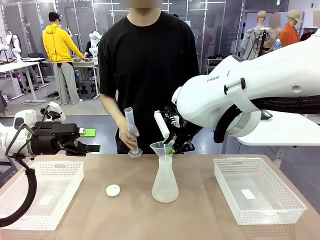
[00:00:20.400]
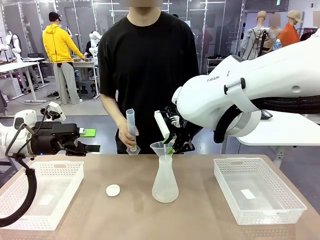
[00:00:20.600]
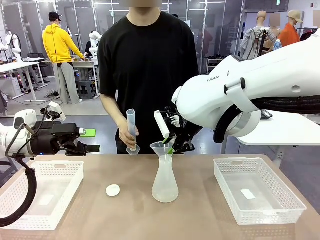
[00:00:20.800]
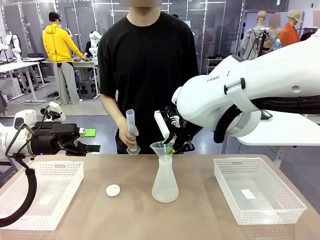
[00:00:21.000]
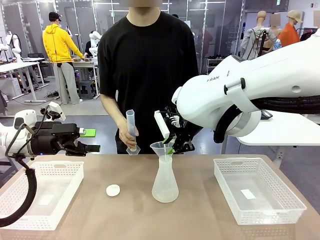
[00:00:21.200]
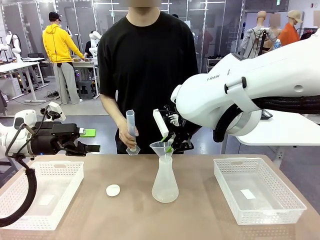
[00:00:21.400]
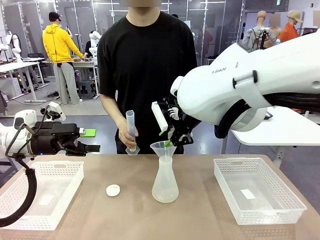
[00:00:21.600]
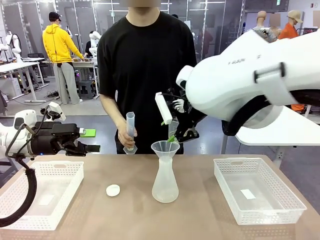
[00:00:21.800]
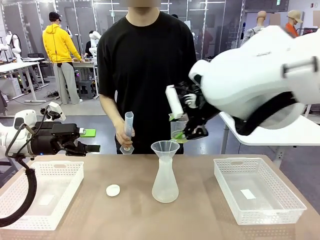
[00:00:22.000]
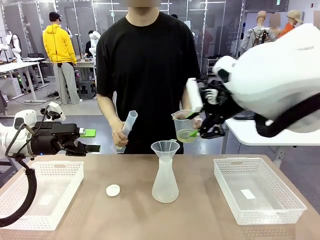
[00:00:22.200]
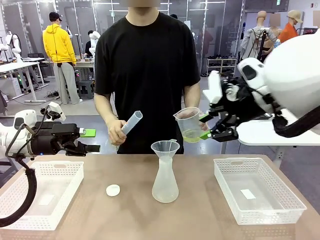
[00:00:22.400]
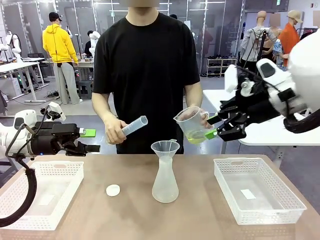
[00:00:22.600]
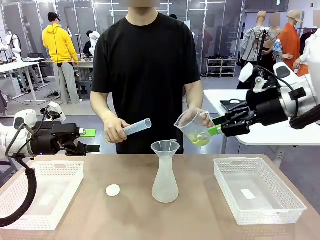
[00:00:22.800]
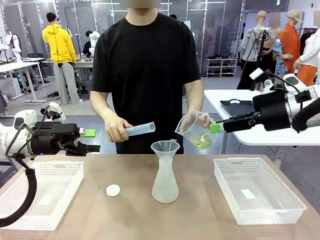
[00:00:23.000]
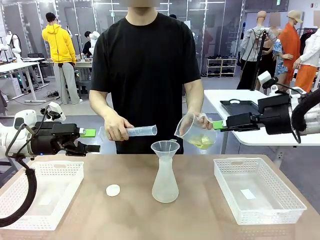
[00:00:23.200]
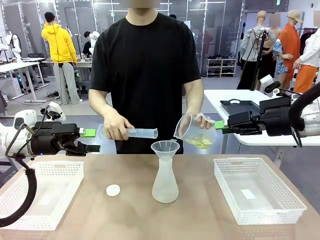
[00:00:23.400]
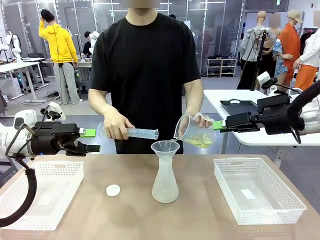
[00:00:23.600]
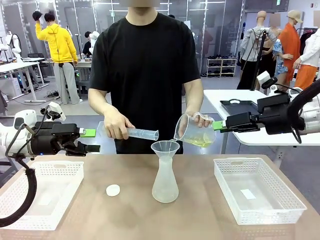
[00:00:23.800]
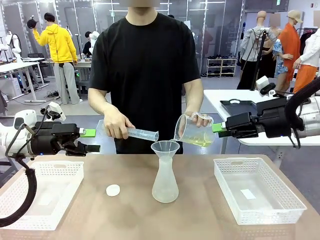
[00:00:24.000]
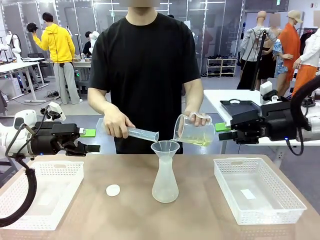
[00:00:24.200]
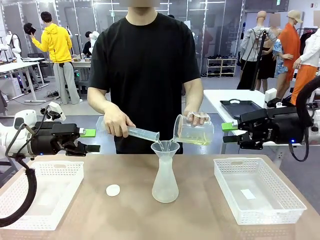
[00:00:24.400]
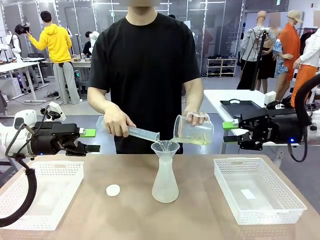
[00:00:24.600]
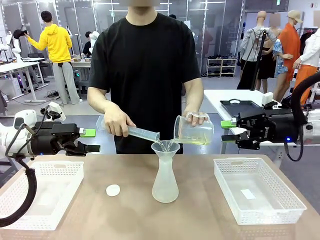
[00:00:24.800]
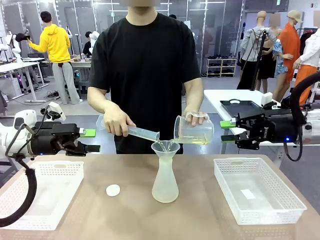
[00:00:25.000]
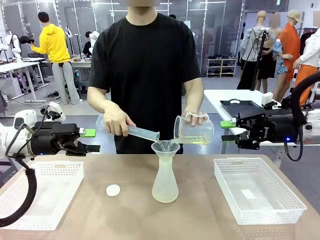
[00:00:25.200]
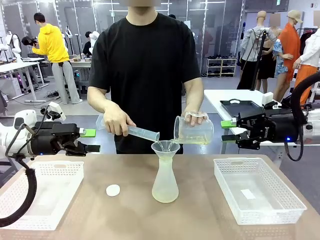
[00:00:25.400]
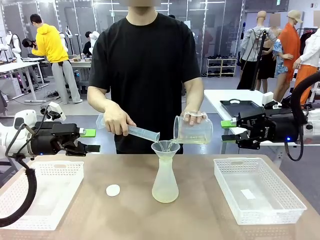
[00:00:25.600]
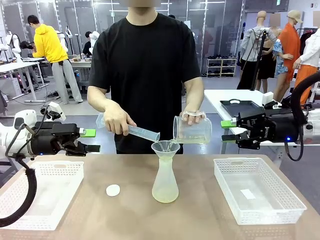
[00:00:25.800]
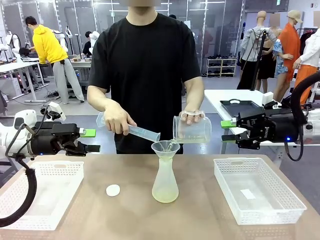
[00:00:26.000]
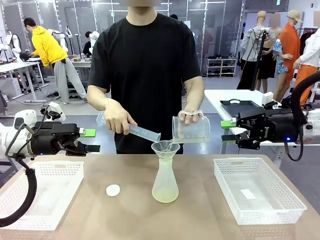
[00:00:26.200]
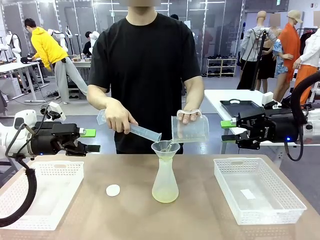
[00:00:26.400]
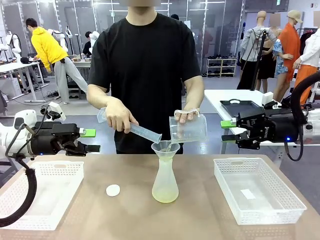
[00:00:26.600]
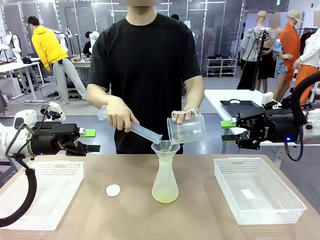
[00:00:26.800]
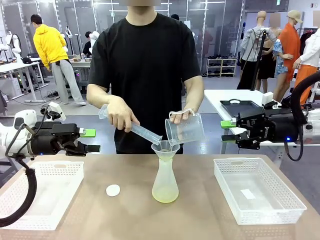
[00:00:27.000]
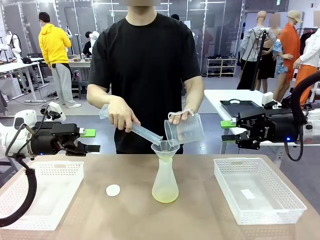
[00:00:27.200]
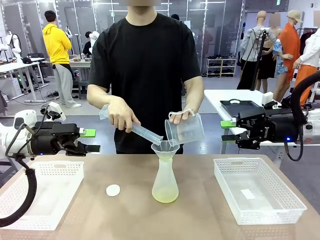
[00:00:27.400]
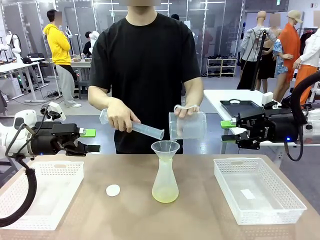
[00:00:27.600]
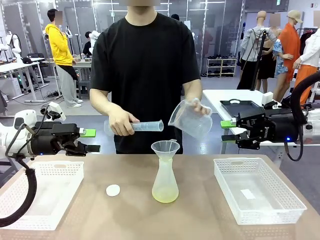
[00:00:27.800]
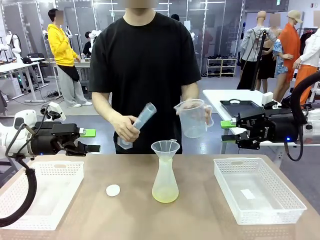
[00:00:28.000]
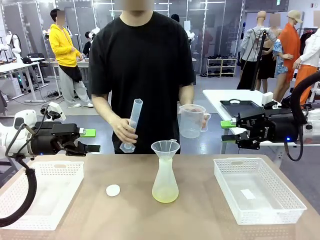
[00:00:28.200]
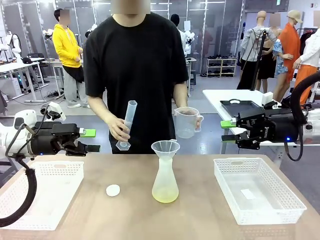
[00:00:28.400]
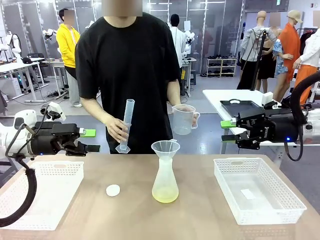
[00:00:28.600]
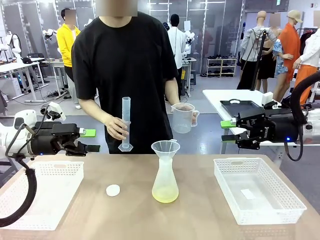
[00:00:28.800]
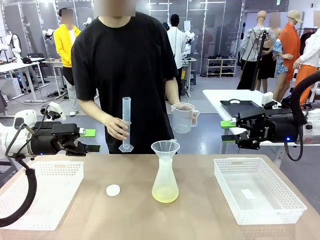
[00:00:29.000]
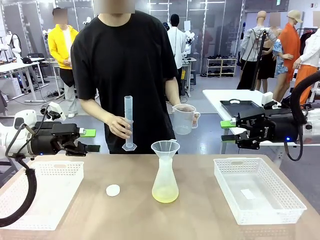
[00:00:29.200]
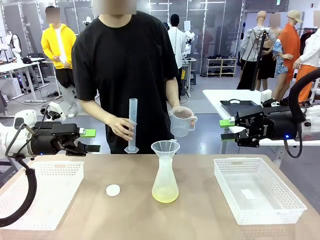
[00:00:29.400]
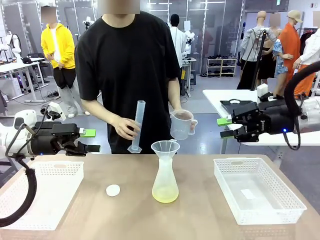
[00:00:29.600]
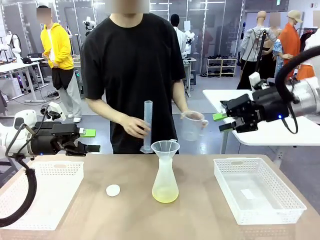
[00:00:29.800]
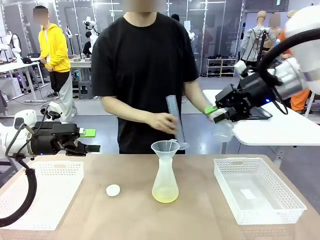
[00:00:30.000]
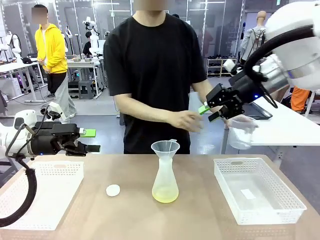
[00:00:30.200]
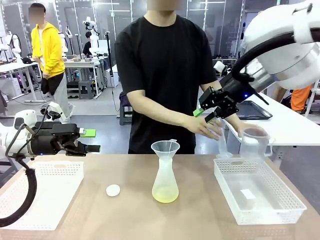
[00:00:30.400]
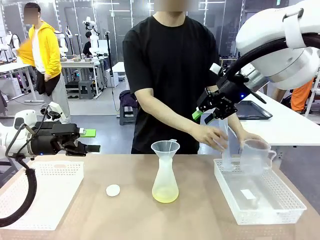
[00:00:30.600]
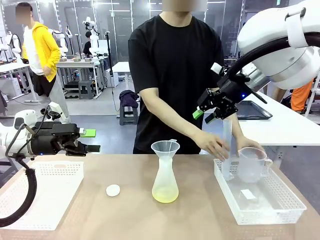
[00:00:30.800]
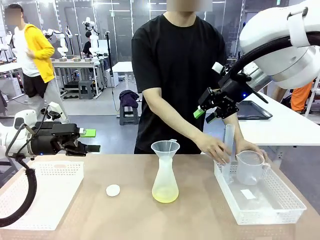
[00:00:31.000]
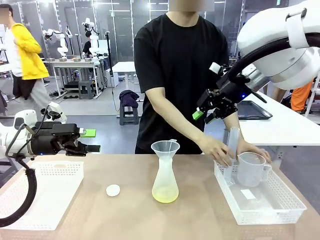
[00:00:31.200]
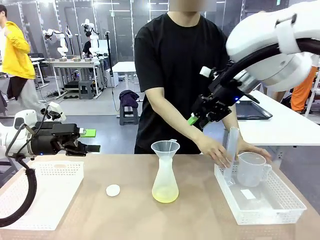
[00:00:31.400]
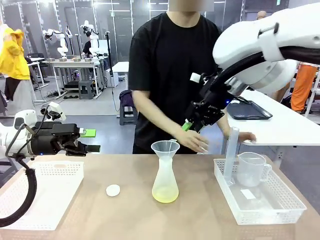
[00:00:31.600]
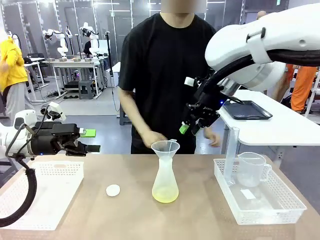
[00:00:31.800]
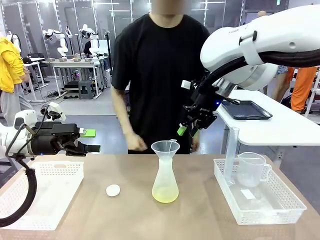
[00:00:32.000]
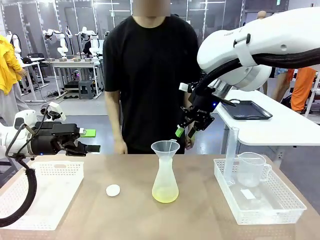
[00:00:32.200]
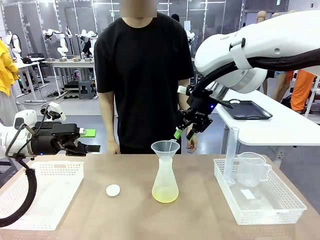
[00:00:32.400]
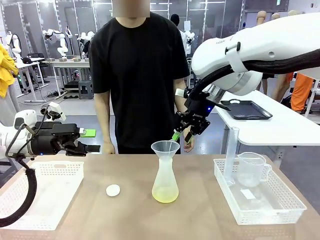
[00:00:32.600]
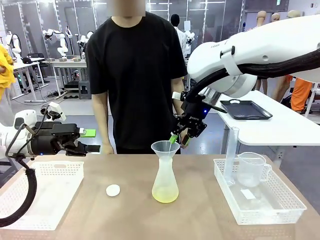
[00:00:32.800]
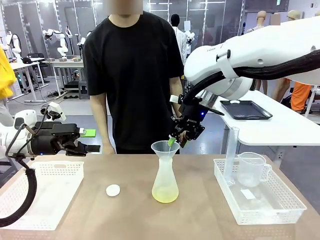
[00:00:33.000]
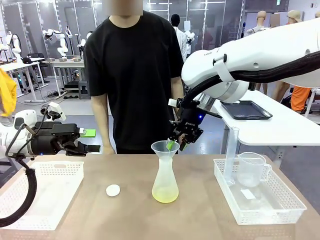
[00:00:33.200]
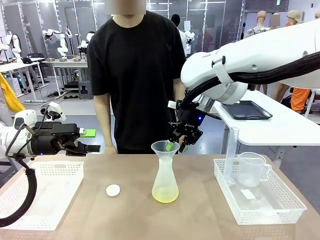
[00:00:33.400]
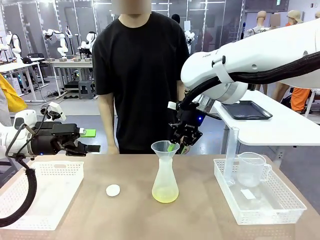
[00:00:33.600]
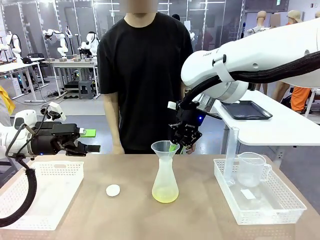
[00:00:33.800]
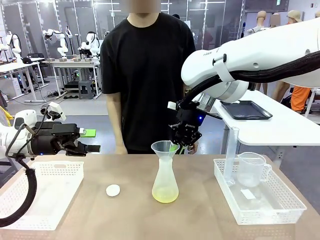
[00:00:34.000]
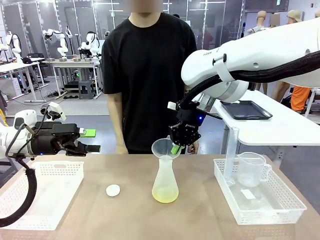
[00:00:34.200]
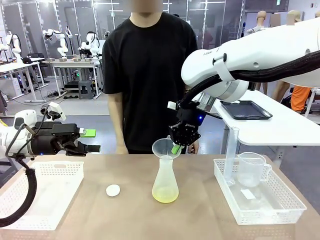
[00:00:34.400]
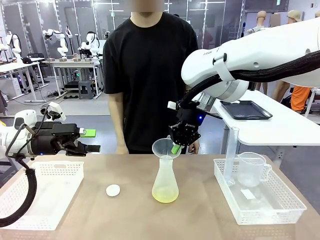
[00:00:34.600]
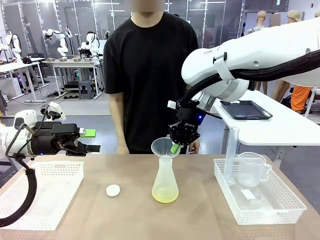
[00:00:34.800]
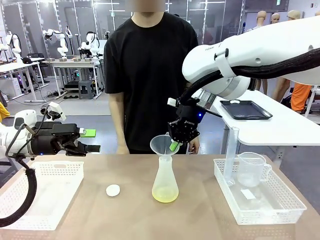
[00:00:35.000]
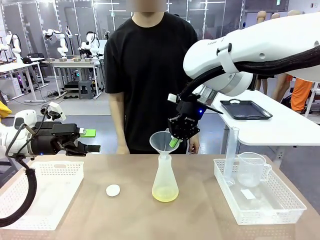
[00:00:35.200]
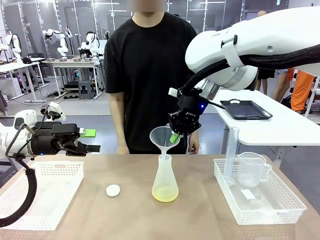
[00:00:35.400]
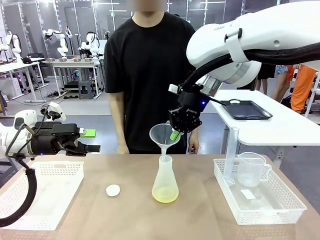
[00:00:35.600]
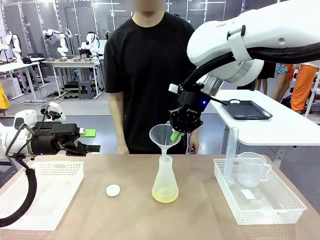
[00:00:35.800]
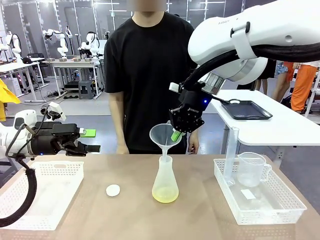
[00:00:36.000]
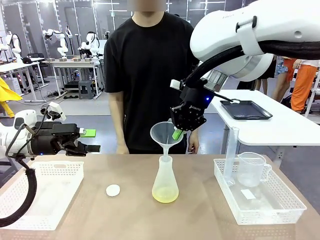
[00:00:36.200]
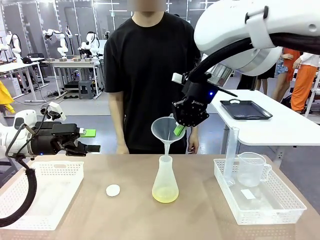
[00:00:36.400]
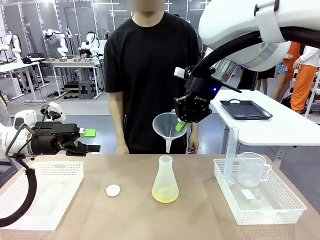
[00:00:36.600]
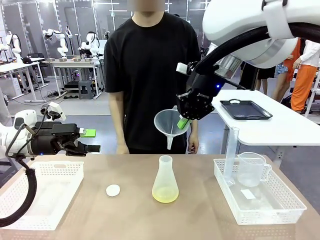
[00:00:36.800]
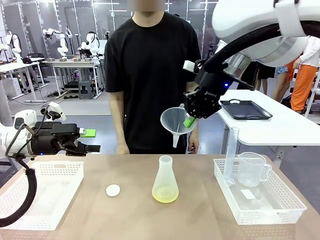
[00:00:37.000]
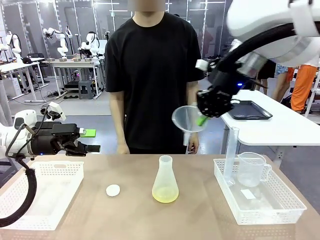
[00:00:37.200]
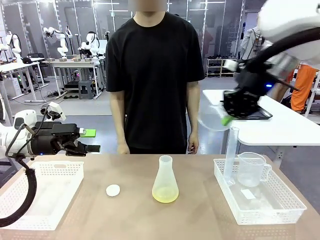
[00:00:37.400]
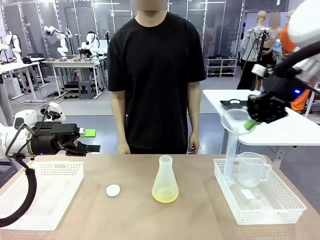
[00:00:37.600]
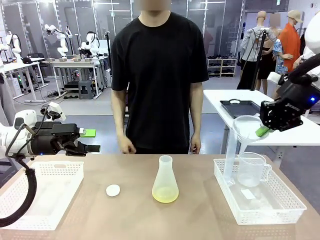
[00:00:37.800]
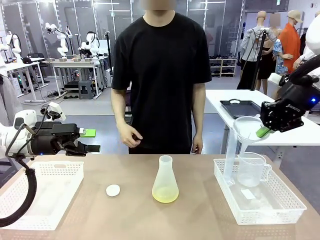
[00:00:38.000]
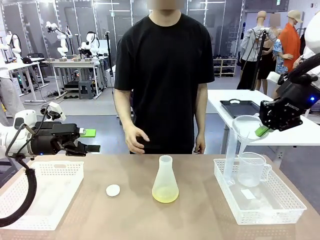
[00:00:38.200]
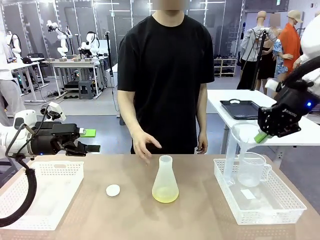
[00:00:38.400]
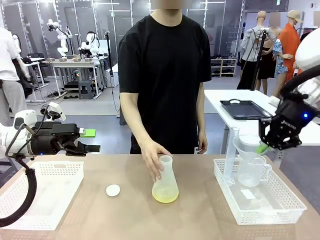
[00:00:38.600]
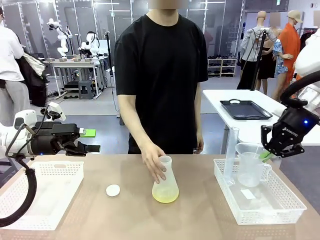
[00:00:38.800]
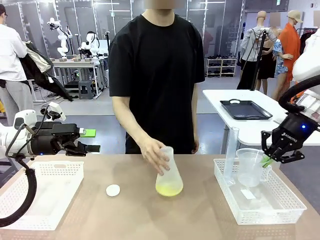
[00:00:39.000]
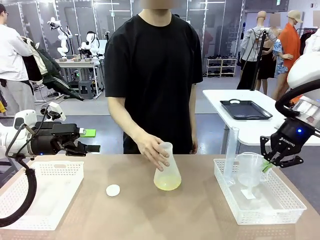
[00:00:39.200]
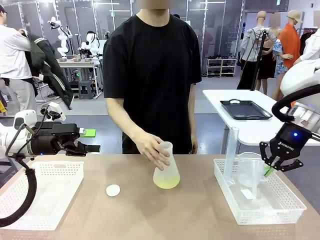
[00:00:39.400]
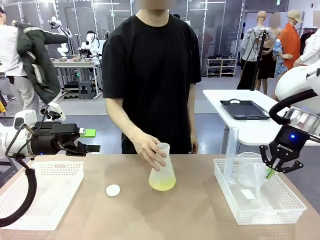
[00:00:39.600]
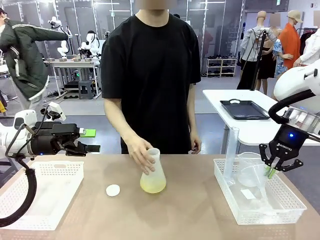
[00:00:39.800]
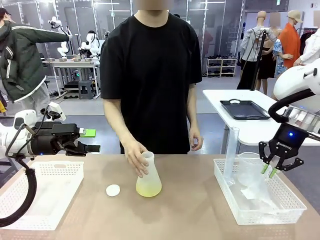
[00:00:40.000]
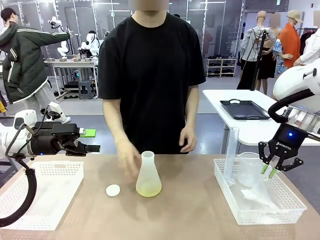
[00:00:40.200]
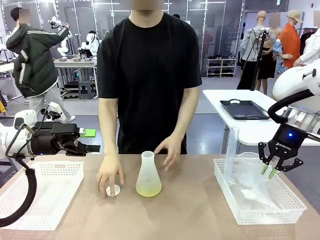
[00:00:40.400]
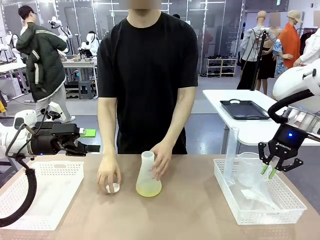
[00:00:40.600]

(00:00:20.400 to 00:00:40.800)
Task: Prepare the solutions needed for the experiment.
Robot: Once the solution is in the Big flask , pick up the Plastic Funnel and place it back into the right Organizing basket.
Person: Place the beaker and the cylinder into the organizing basket on the left side. Pick up the flask, gently shake it 2–3 times, place it in the middle of the robot table, and close the lid.
